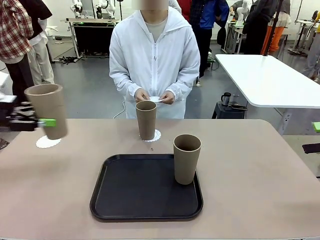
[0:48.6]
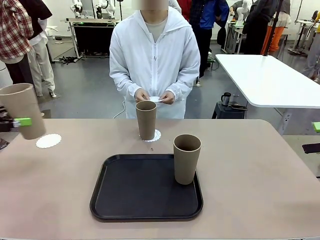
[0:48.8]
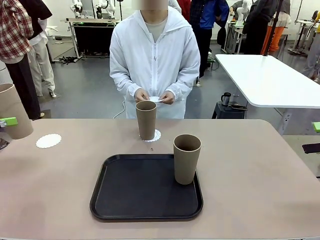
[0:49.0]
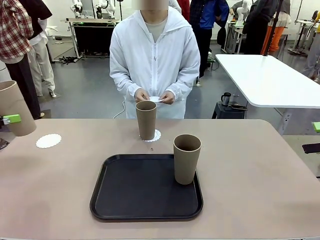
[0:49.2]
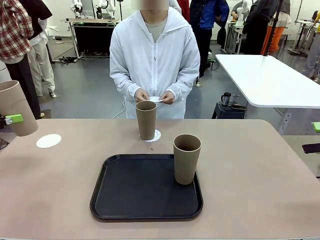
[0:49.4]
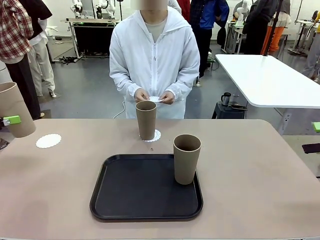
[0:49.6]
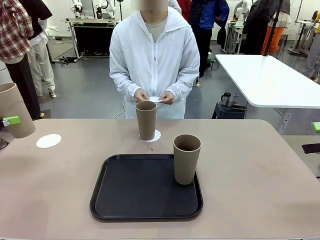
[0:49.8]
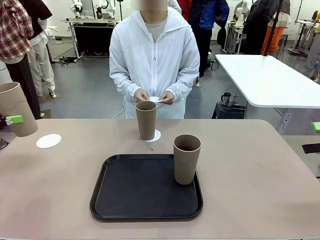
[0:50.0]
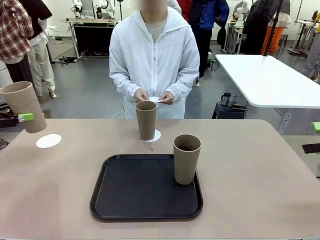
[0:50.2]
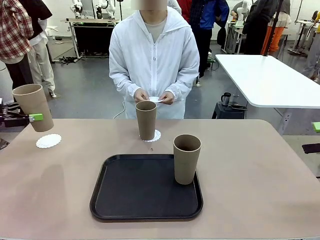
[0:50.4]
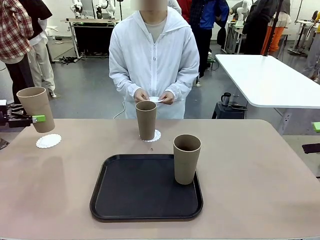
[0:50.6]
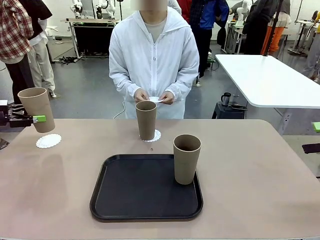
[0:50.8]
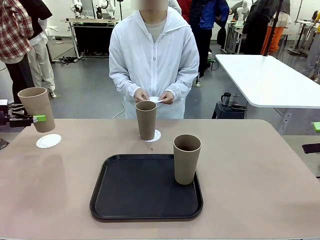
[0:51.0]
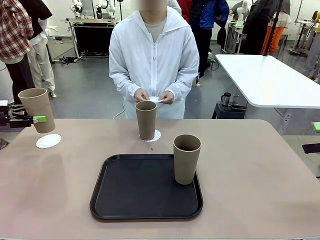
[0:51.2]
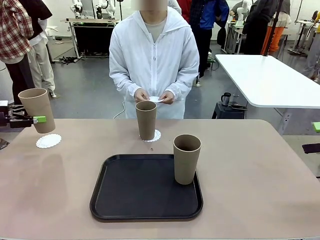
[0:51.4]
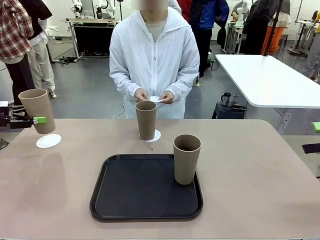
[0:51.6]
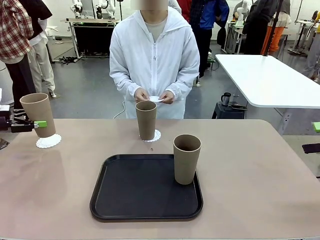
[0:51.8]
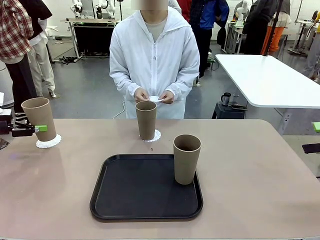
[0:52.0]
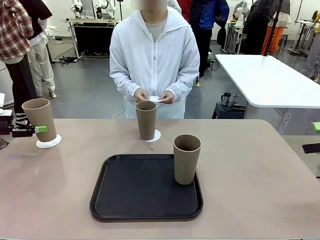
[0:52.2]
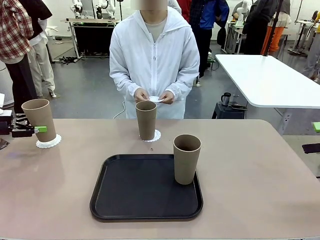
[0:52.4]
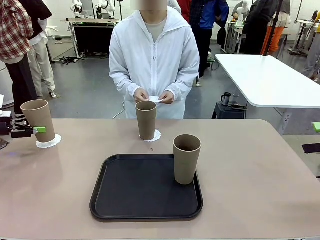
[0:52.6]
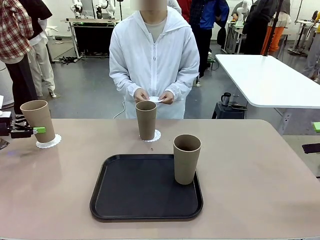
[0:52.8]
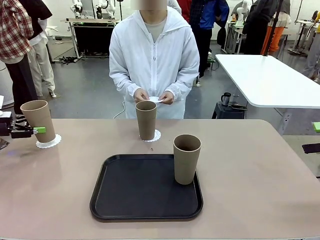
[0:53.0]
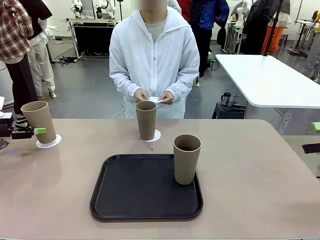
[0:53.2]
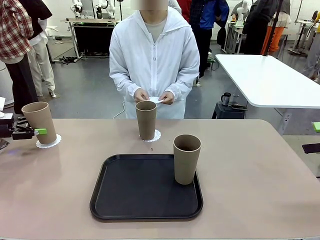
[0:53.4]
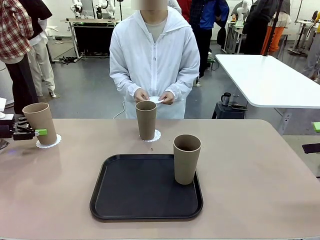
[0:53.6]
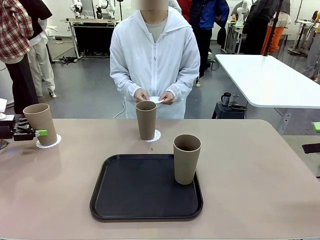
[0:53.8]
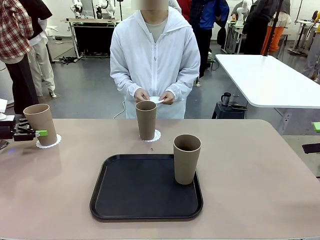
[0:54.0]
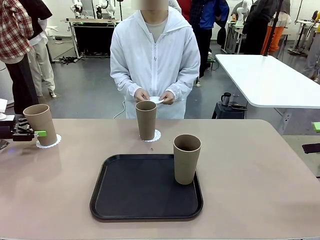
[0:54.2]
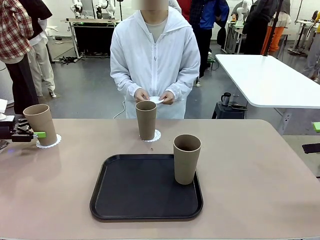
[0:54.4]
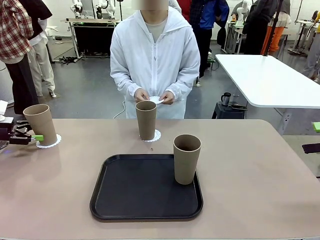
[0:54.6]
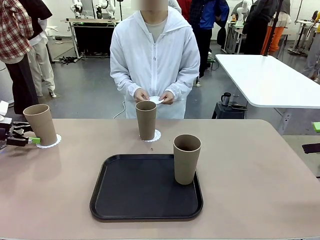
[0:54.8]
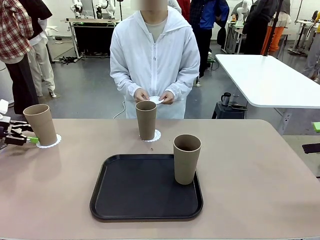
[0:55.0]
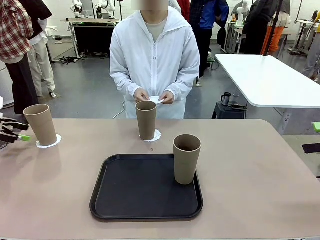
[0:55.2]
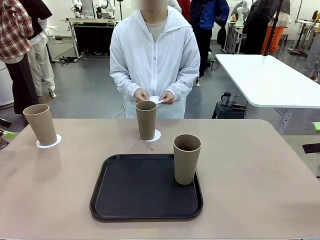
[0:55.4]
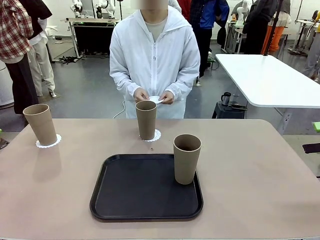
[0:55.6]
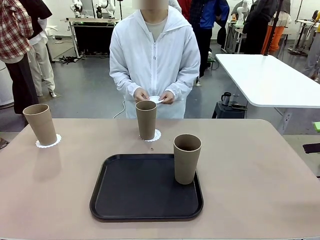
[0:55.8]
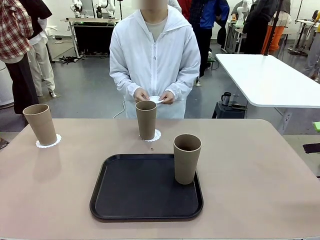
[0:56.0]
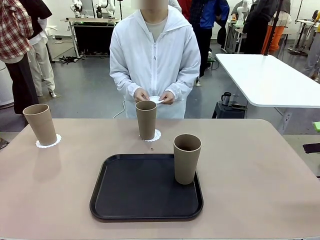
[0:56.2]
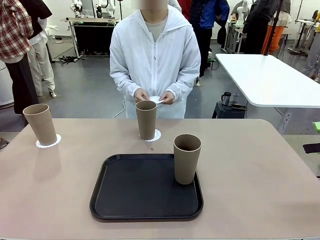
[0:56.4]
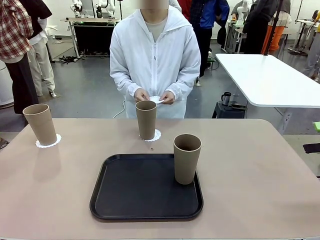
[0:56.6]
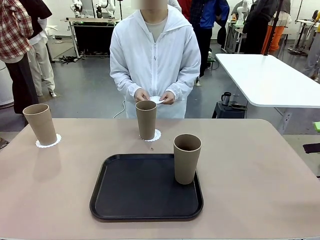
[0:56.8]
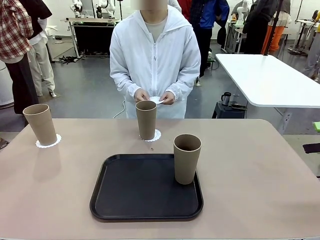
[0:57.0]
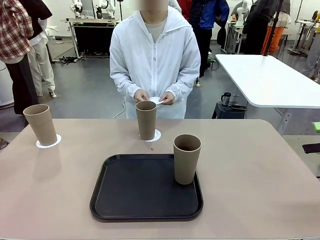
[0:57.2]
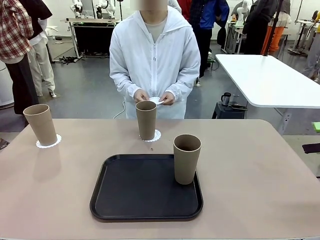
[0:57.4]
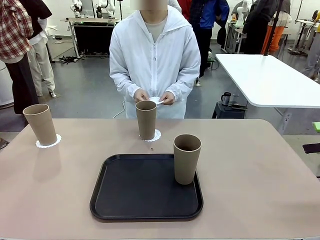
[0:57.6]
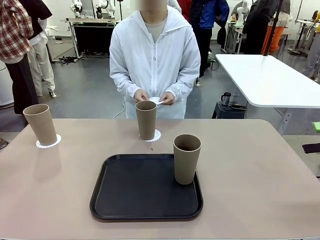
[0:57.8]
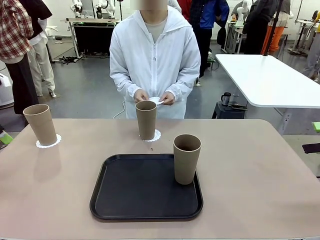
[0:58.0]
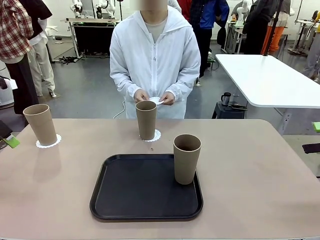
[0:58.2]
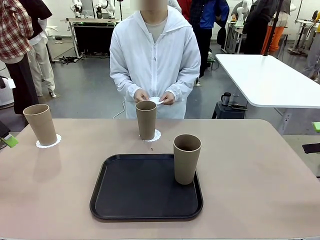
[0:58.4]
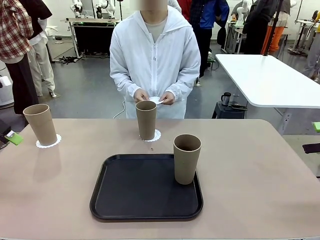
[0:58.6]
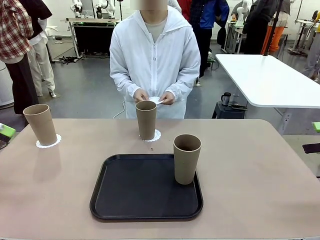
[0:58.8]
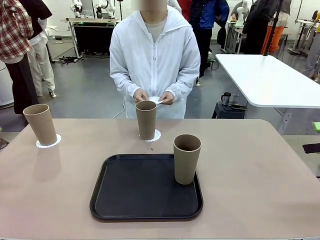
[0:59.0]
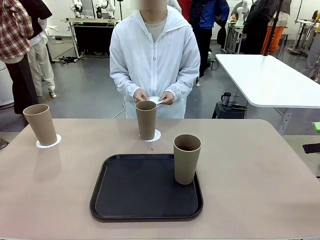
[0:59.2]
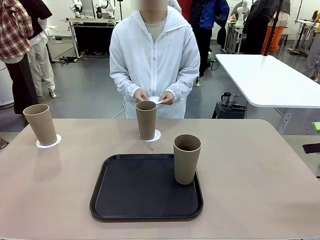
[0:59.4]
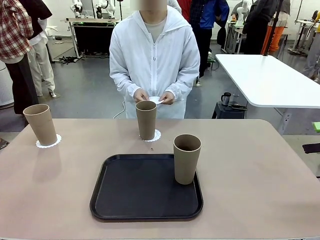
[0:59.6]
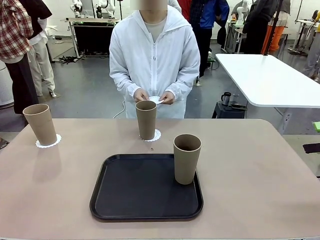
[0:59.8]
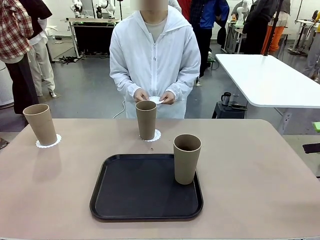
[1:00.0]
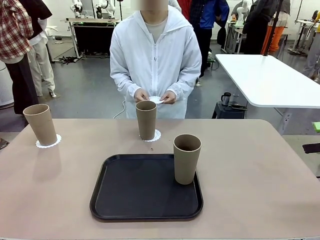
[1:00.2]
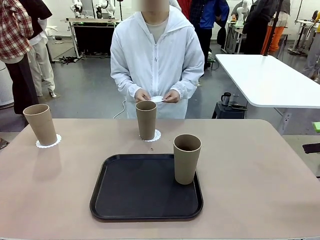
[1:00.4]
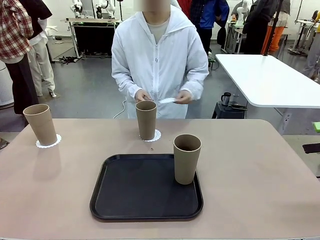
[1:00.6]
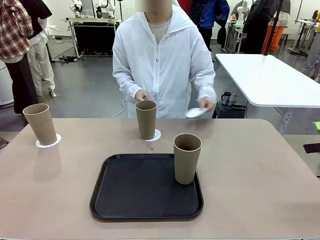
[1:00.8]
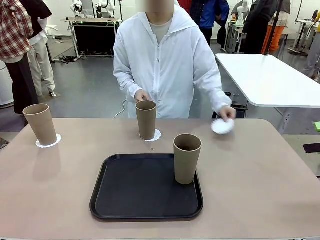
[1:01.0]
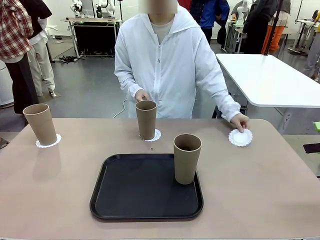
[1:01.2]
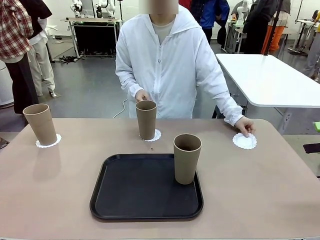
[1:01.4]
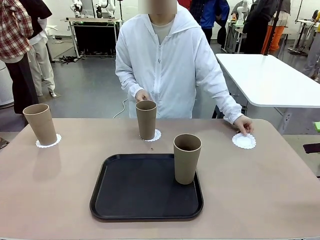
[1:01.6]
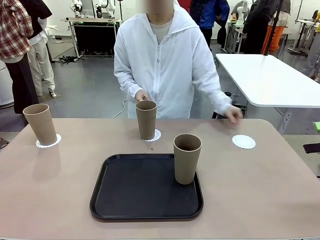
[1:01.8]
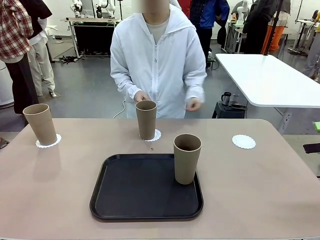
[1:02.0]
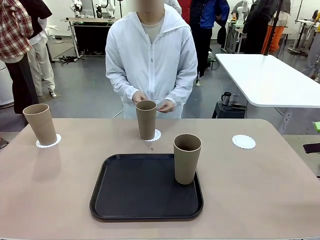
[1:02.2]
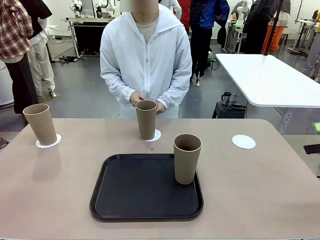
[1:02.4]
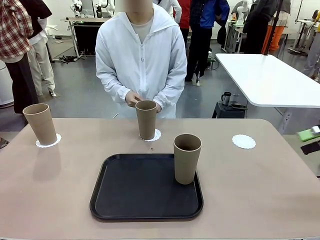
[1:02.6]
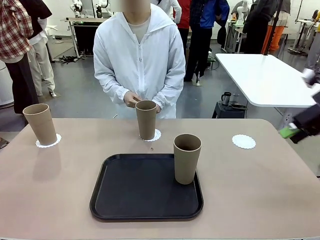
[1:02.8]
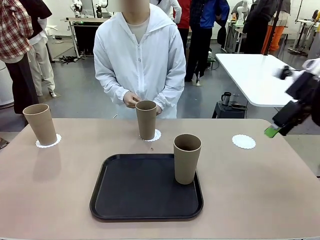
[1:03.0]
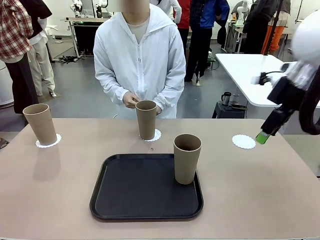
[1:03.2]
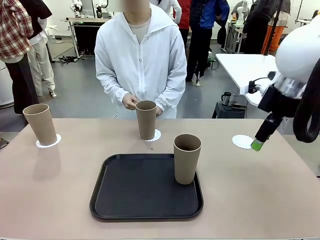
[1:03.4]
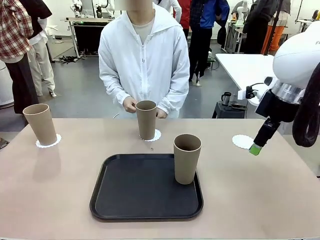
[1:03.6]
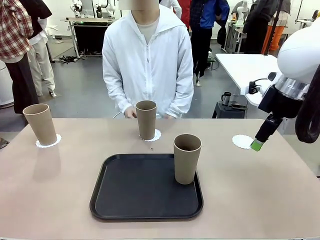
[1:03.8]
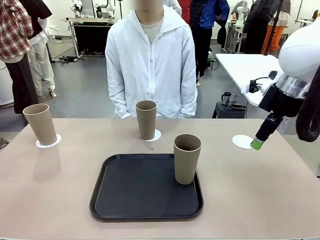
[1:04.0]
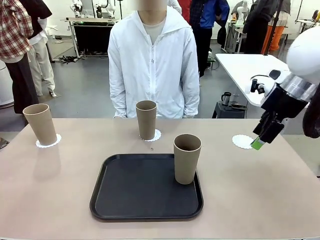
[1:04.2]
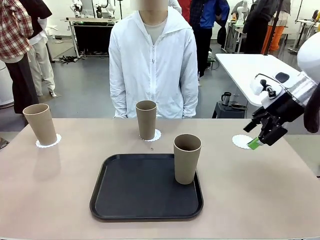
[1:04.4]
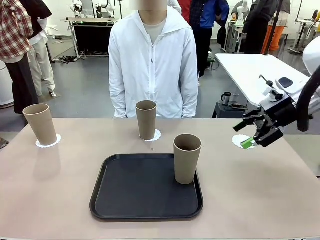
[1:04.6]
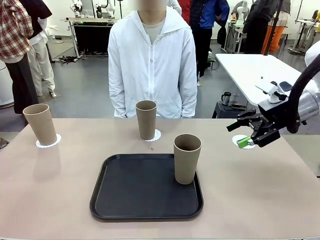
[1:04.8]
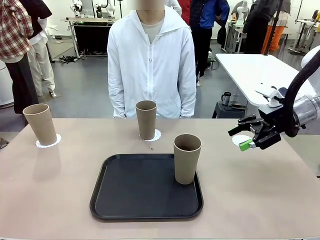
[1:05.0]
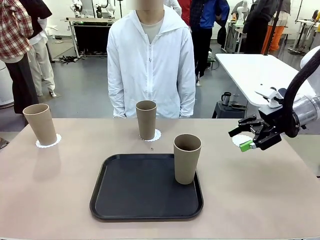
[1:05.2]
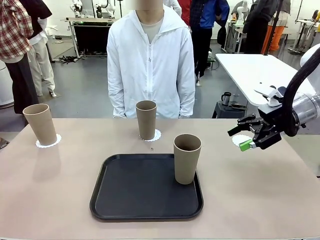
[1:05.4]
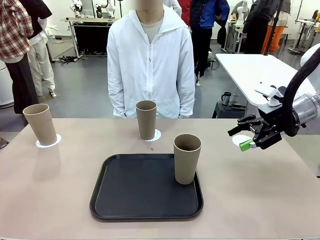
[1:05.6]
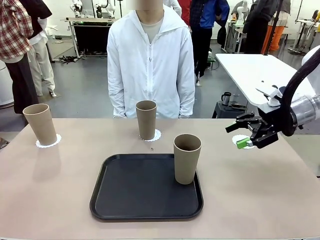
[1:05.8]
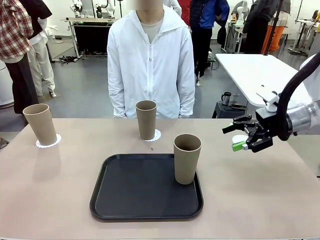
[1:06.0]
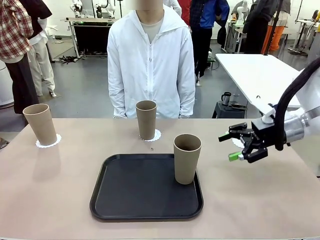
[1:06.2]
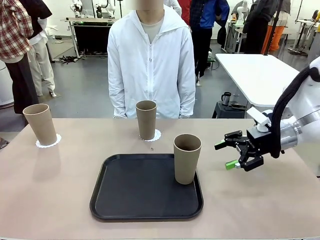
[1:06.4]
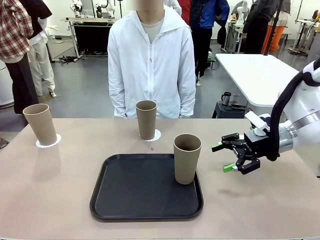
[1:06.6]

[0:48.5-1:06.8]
Task: Place coasters on the table and set cups on them.
Robot: Take one Reusable plastic cup from the Flat Tray and place it on a coaster set by the human.
